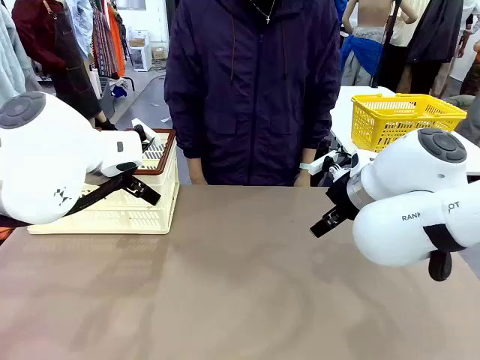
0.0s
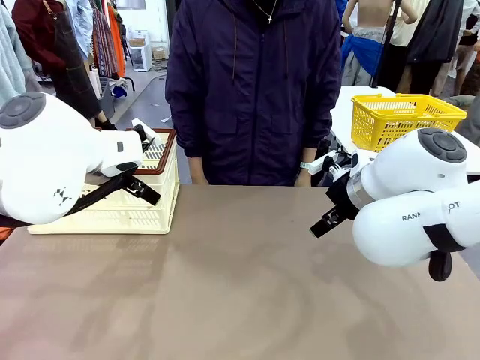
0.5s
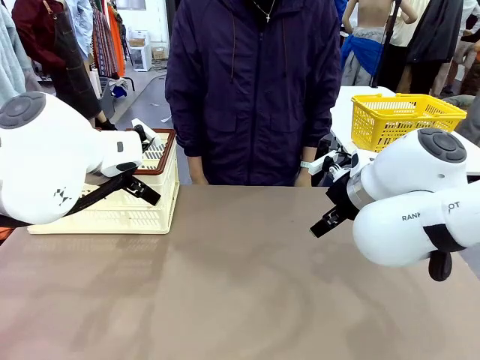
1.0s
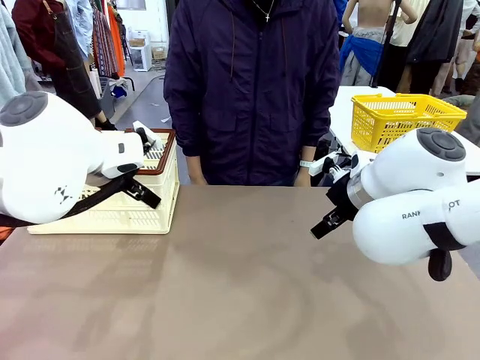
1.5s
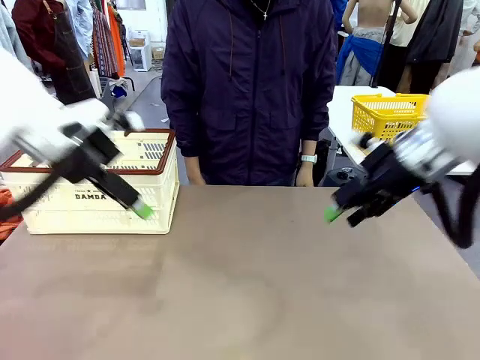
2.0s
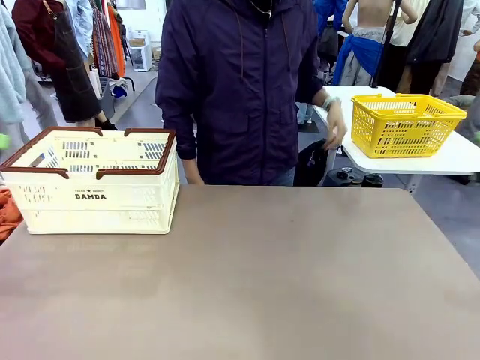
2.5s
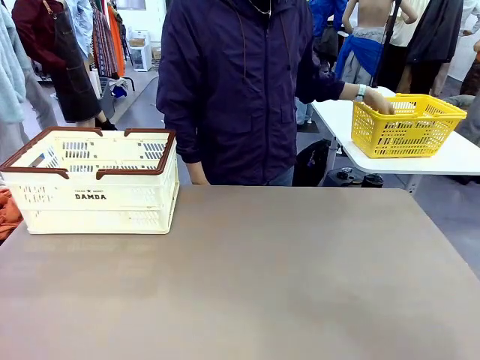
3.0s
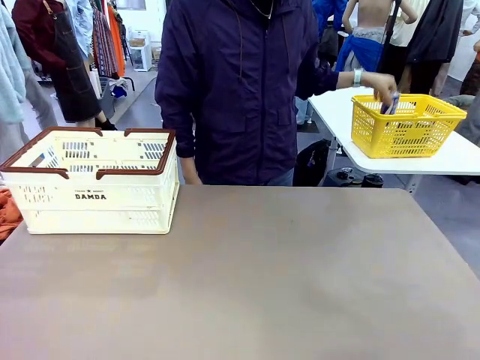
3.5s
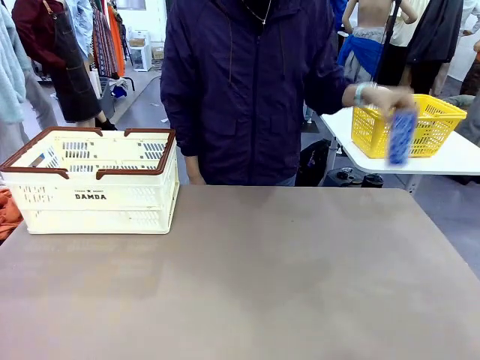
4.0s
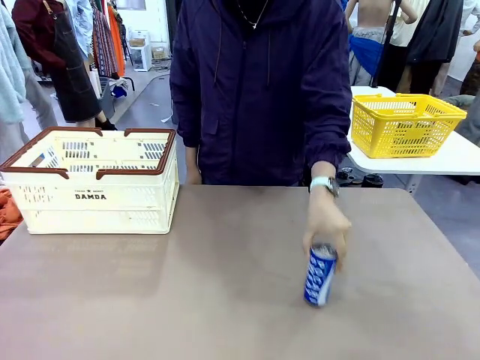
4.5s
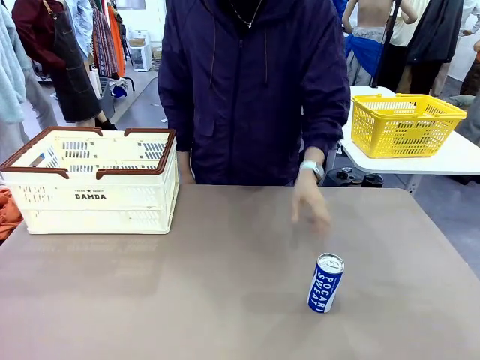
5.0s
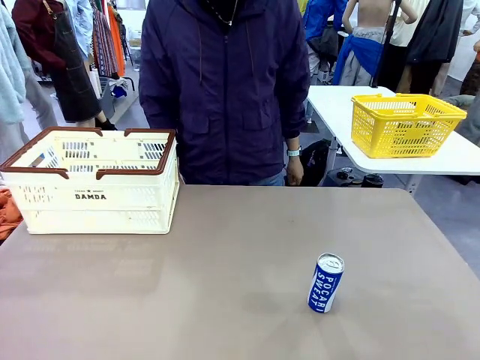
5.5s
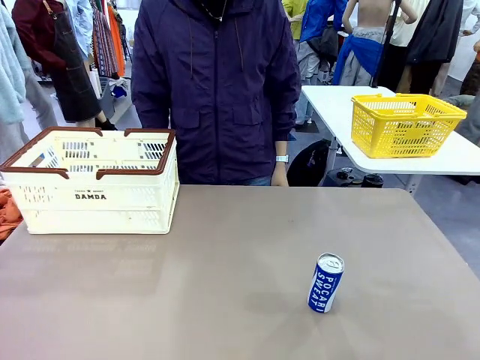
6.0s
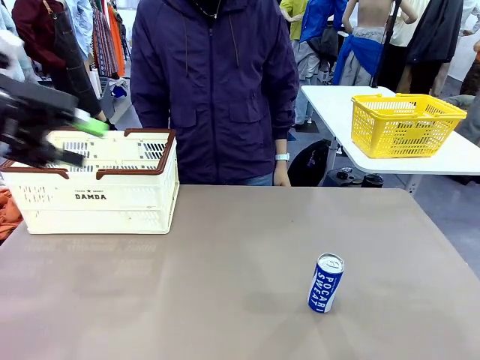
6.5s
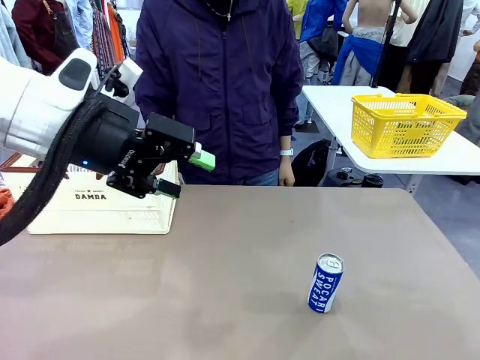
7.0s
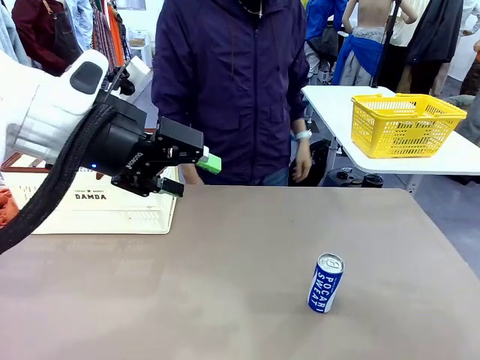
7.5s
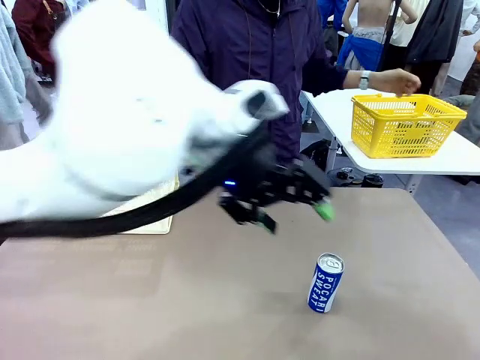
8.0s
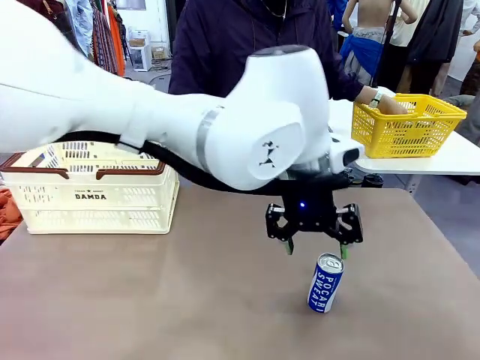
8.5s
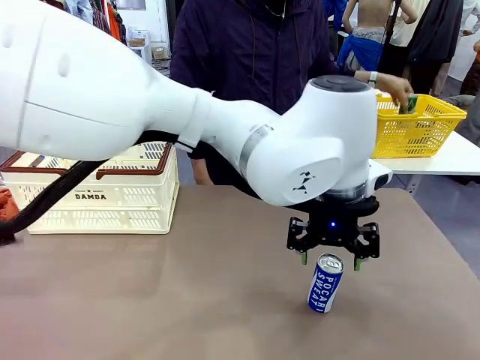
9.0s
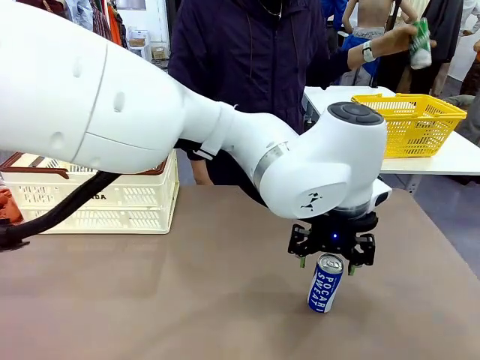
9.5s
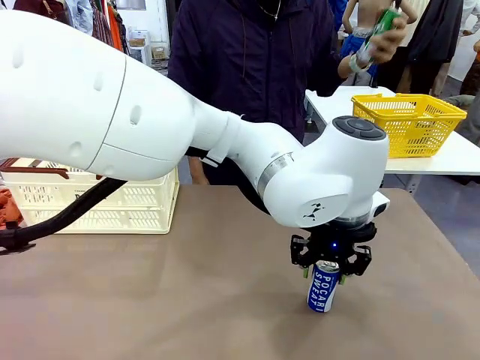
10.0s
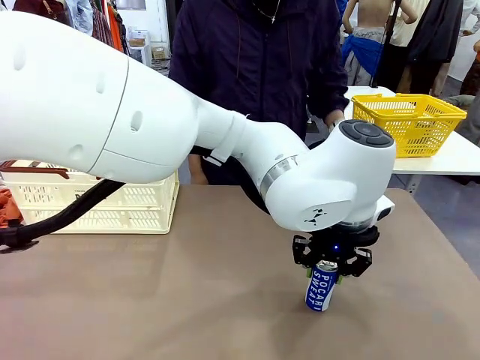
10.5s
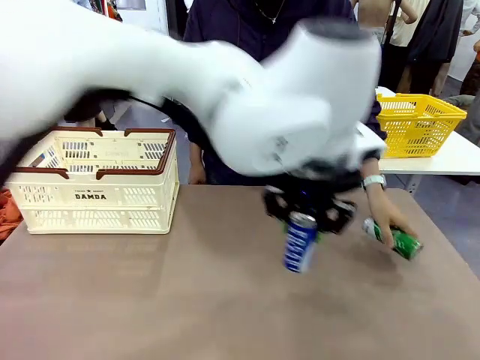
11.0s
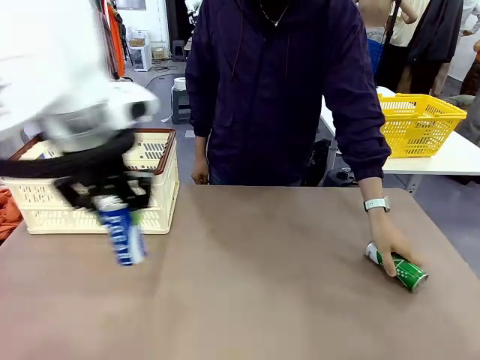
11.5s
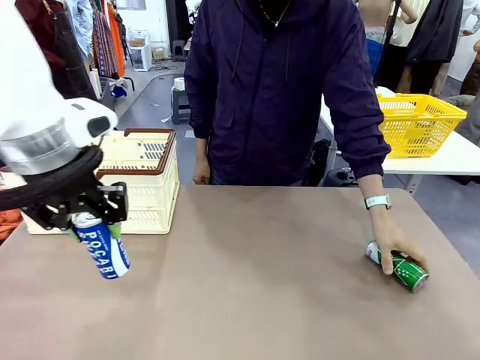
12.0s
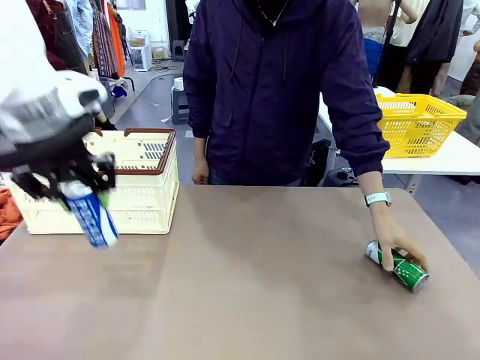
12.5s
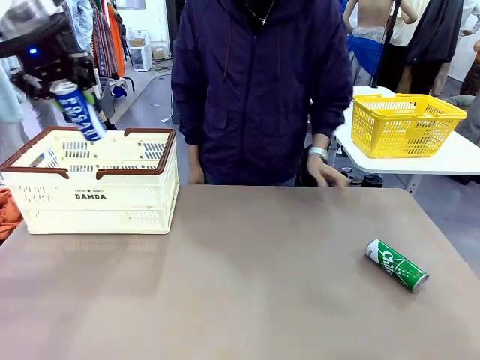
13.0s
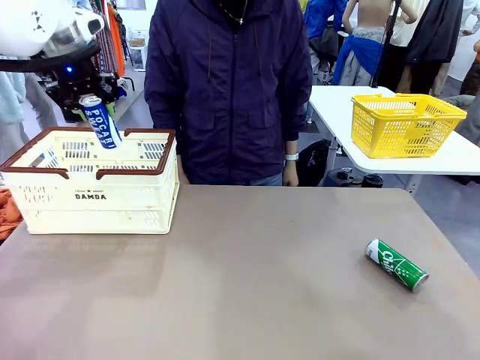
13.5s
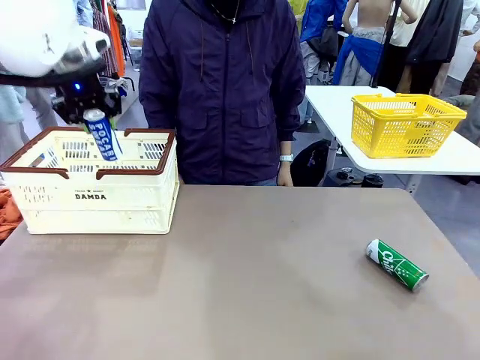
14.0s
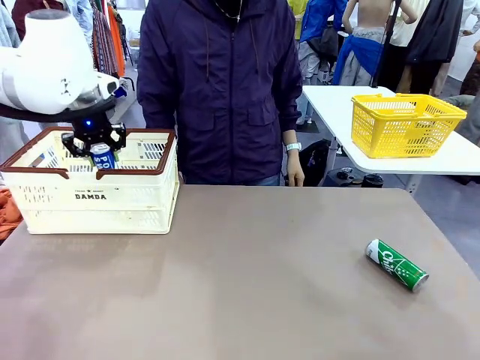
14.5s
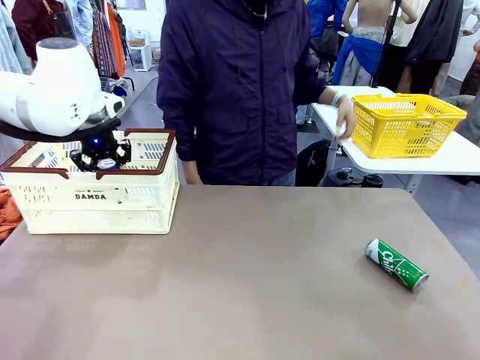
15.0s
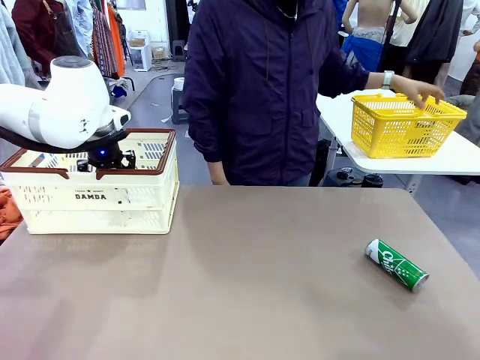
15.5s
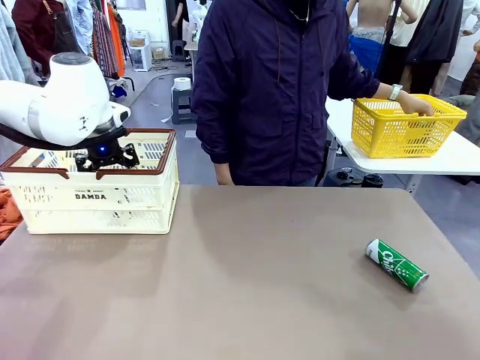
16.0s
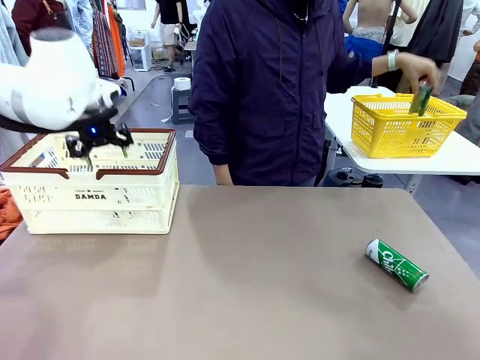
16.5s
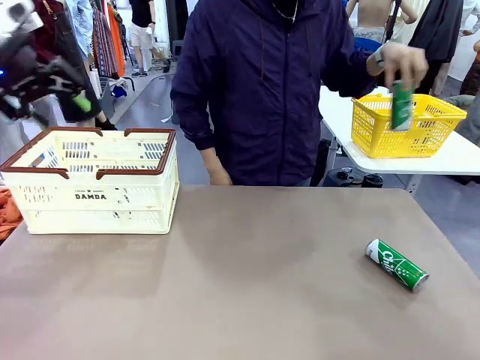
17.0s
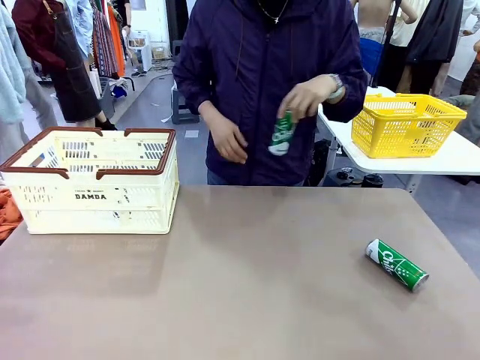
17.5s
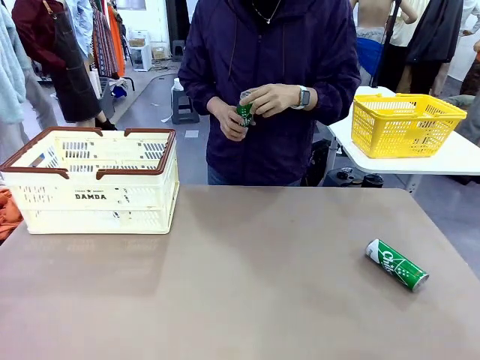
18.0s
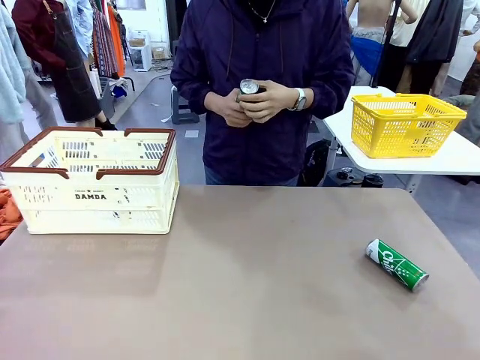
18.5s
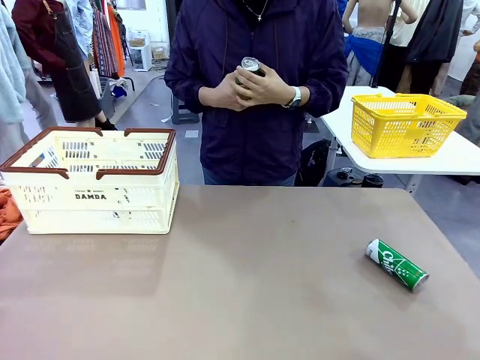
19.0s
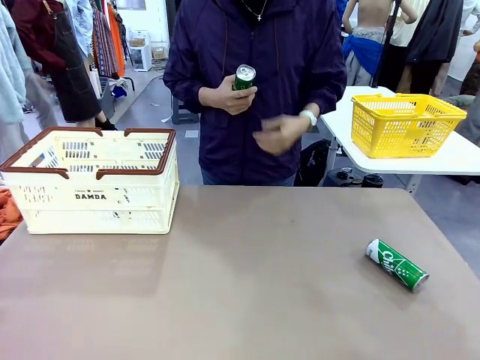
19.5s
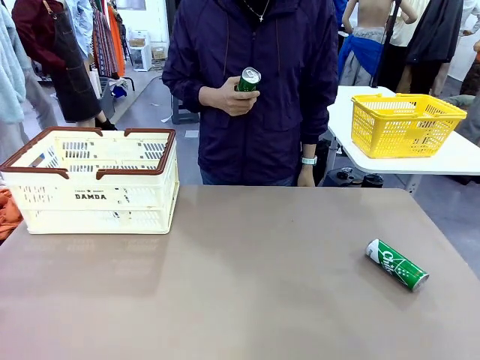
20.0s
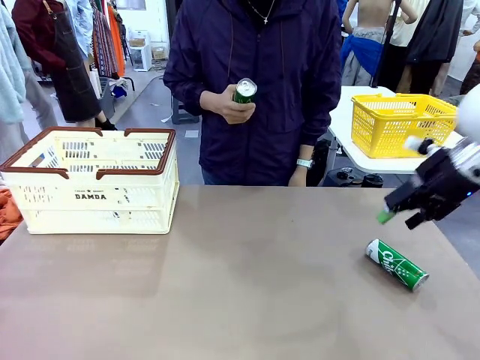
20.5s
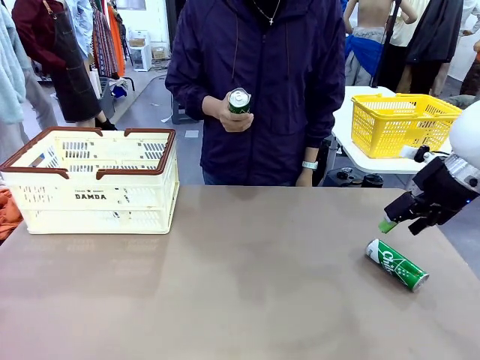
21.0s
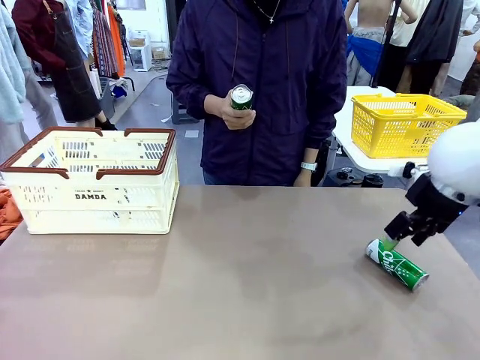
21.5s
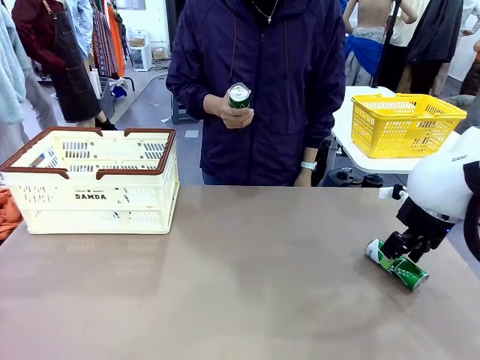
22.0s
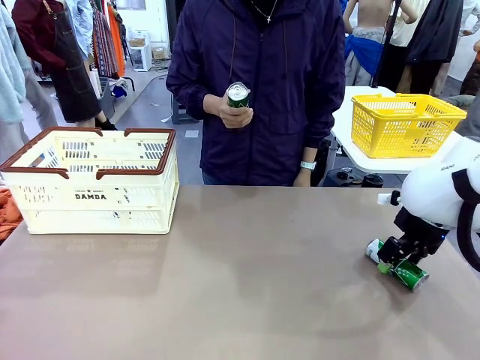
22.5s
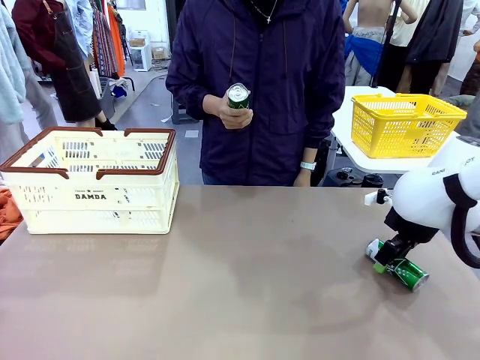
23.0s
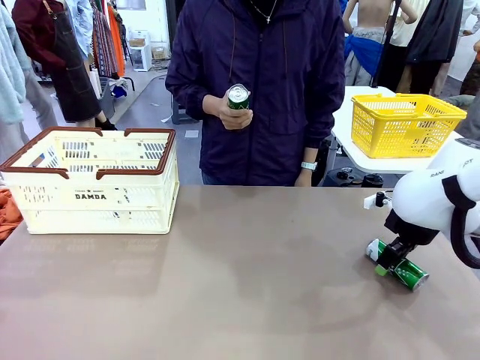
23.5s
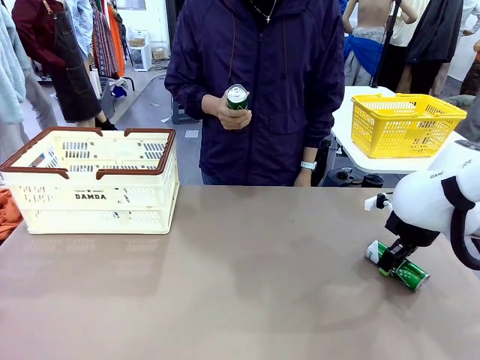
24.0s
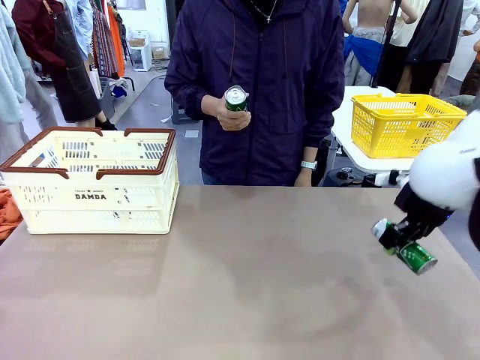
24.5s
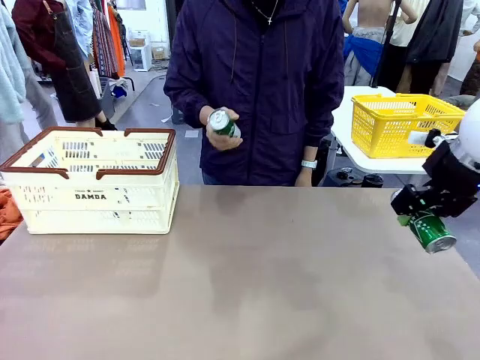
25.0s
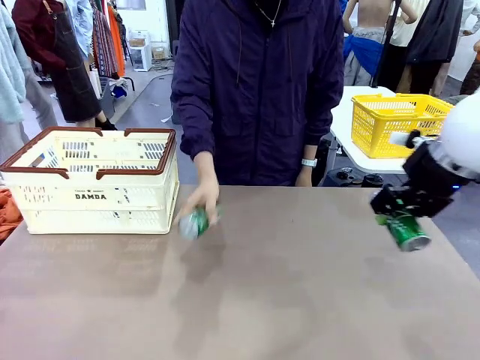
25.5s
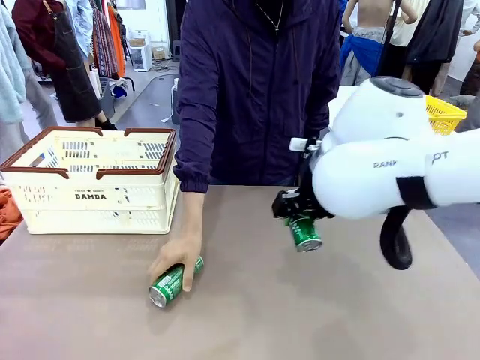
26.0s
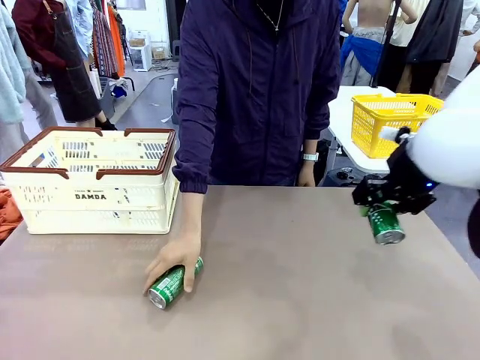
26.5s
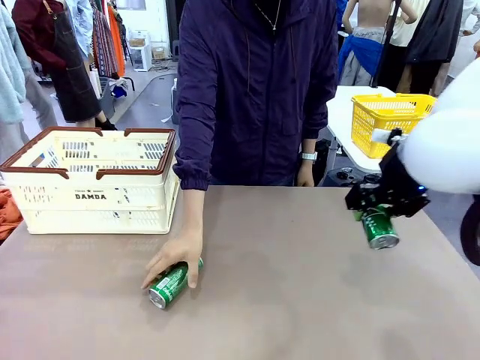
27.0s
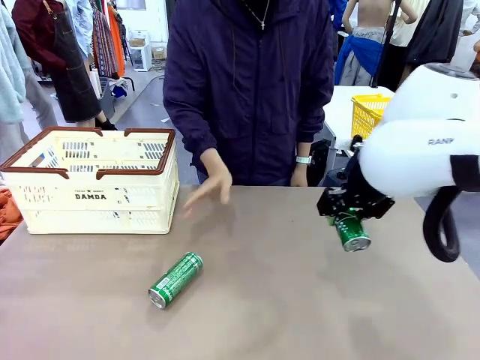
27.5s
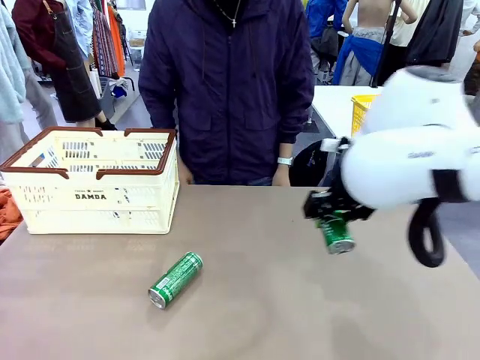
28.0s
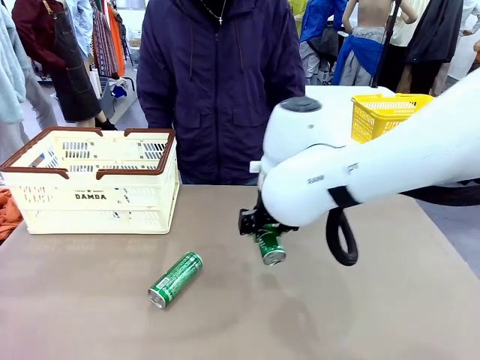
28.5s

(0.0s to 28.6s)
Task: Place the drinks into the Shopping basket.
Robot: Pick up one drink and place it into the Shopping basket.
